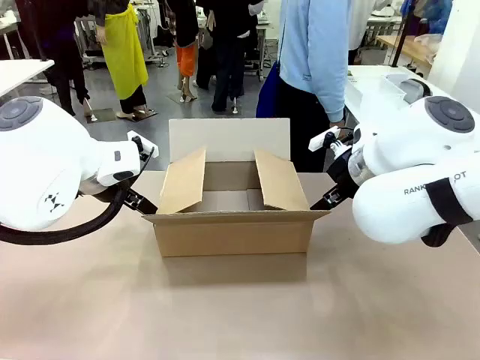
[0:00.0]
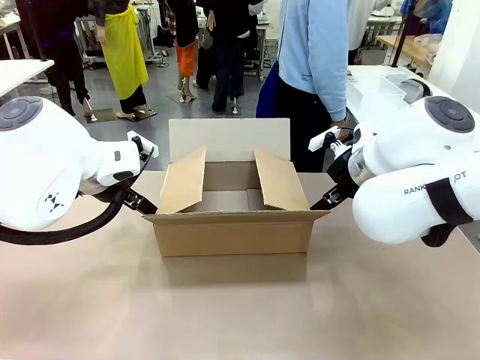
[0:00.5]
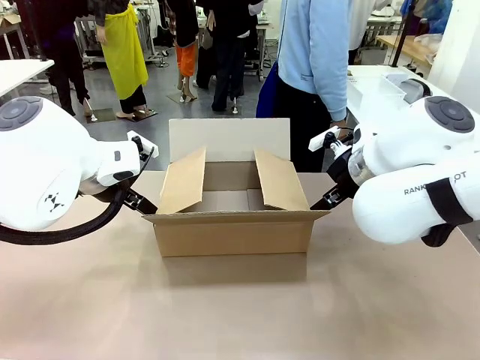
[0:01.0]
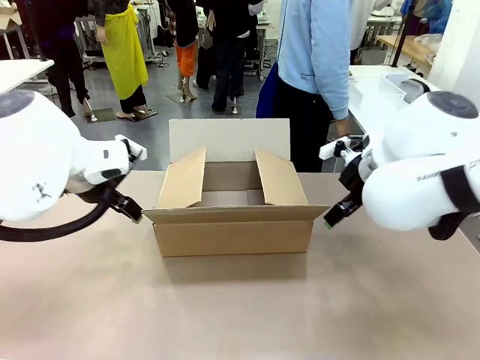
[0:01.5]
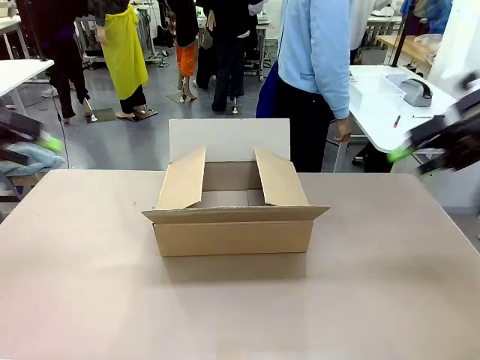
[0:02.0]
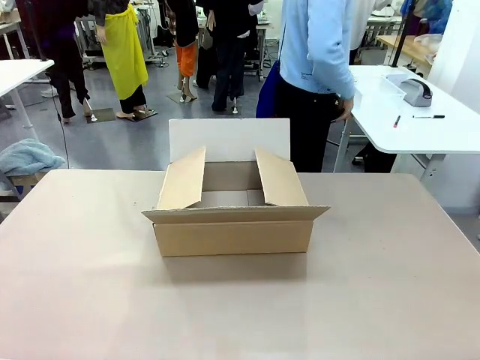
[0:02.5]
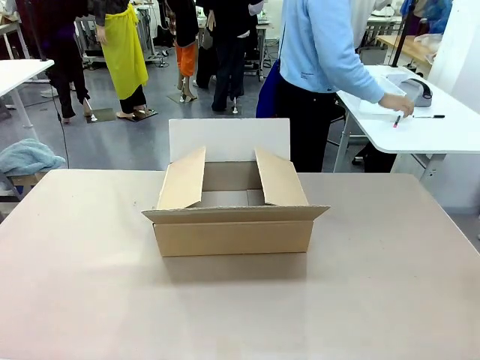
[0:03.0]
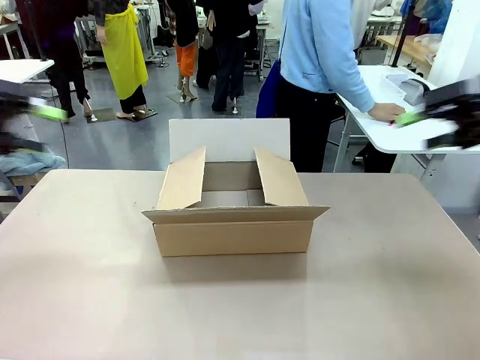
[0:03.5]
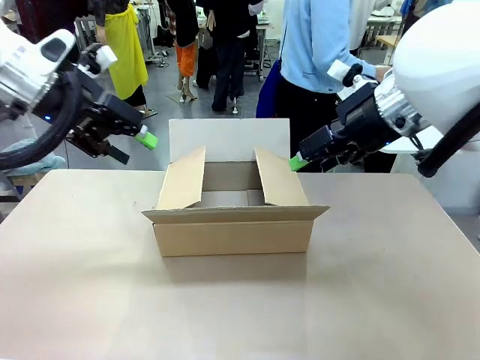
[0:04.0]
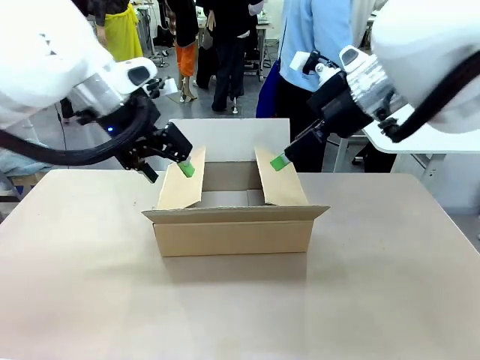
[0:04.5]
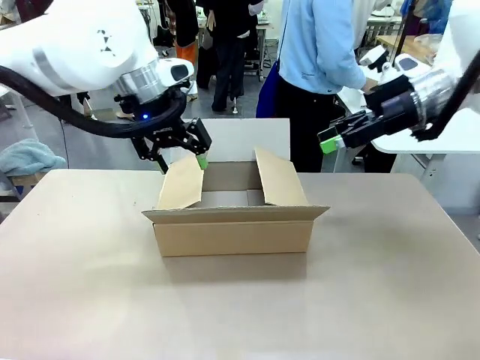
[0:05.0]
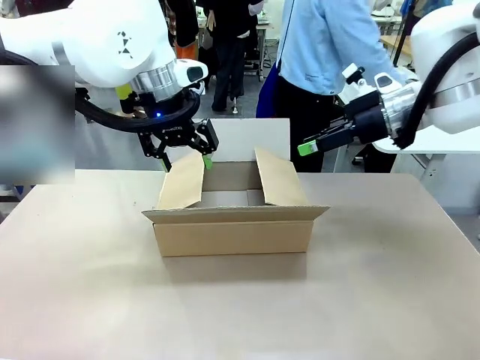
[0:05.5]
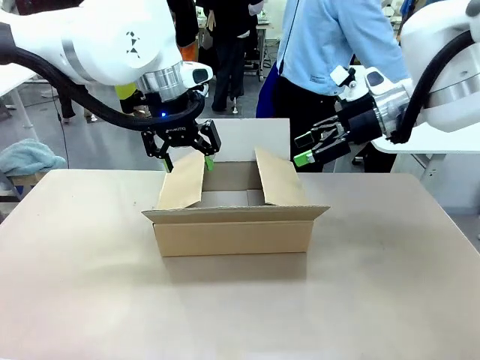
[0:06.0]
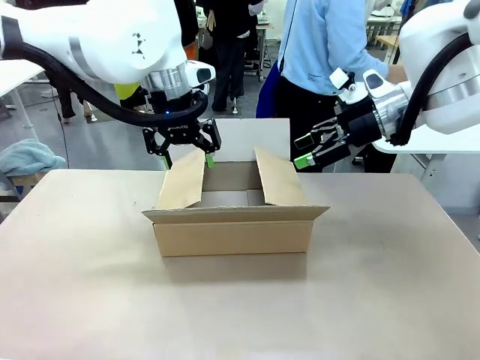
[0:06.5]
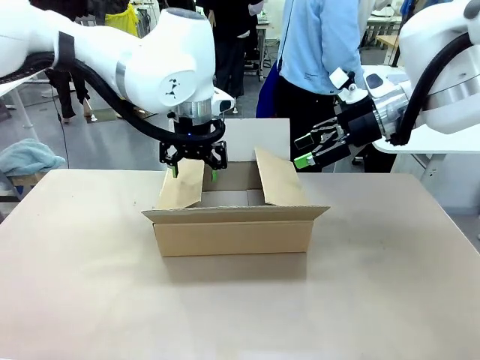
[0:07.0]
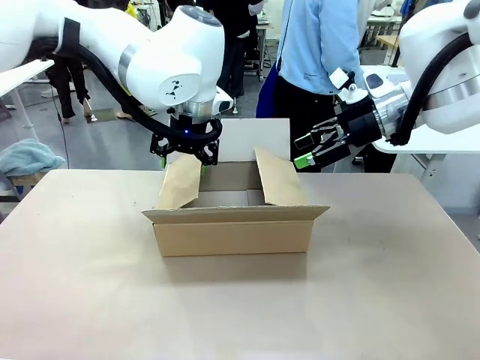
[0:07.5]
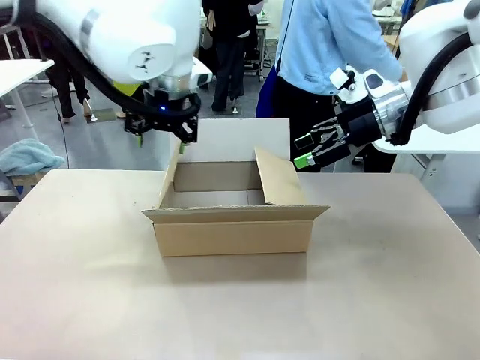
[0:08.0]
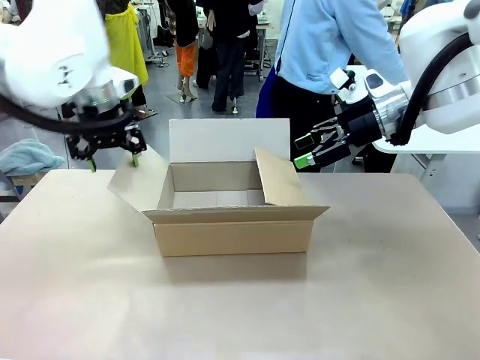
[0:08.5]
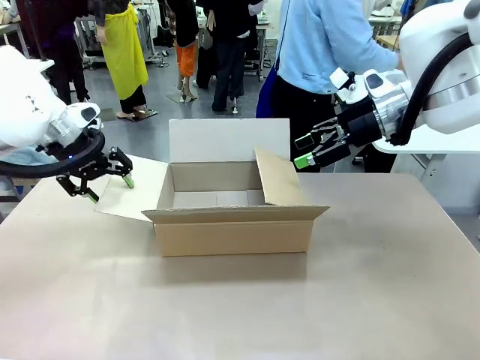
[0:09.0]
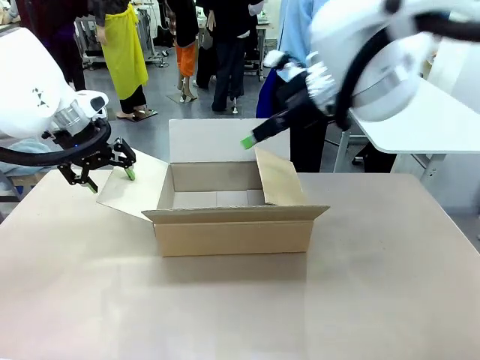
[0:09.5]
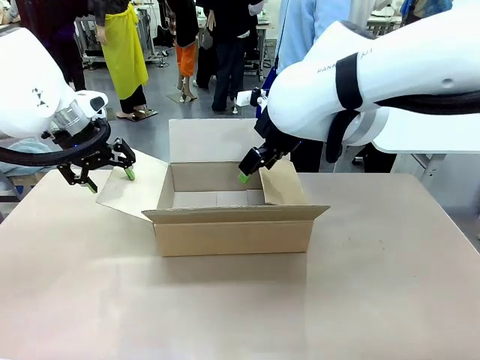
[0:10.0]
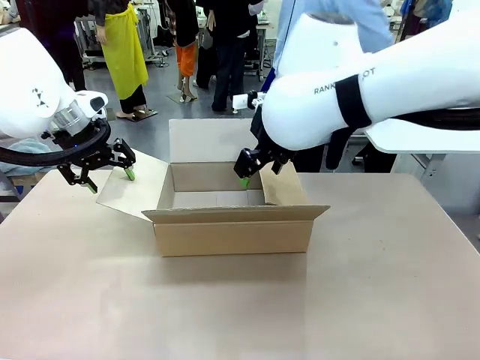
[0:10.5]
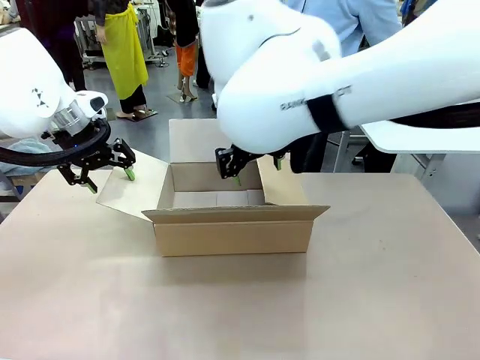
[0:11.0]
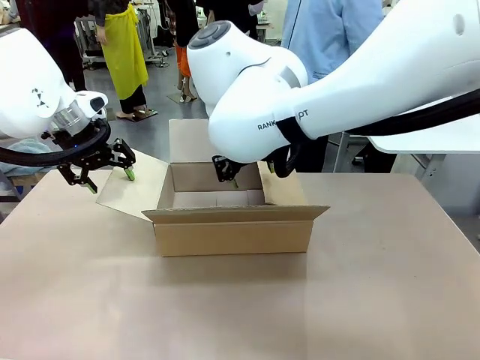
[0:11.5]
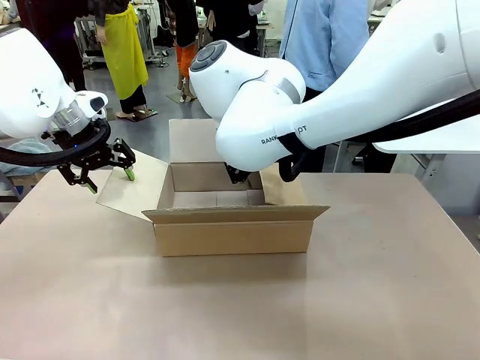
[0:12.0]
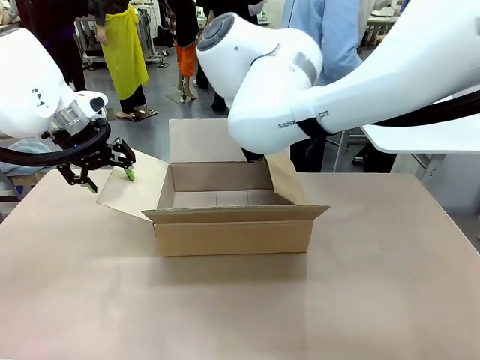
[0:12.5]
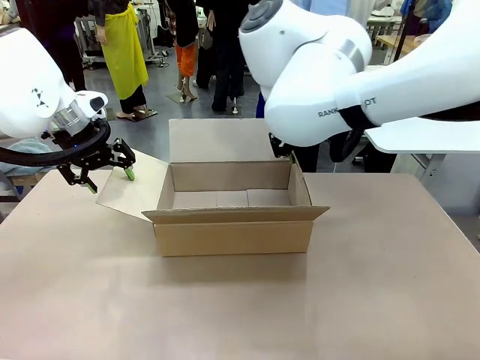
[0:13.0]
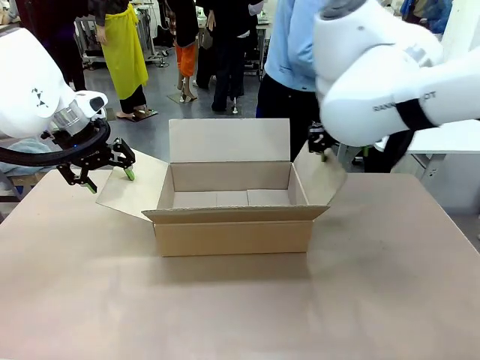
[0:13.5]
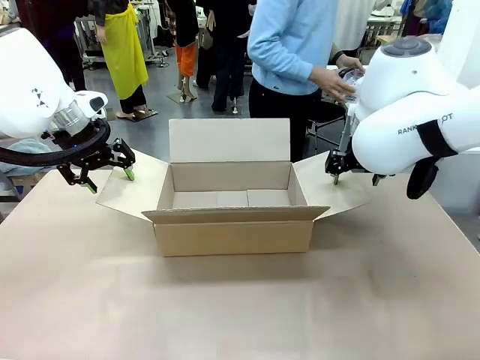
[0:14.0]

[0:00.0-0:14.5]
Task: Pack the gift set into the box.
Robot: Place both hands on the side flaps of the Package Box and spread them outward.
Person: The human places all items except the paper tape into the organizing basket.

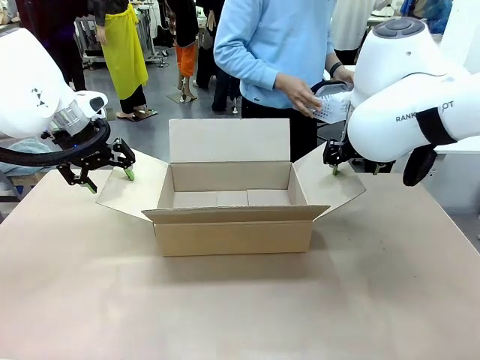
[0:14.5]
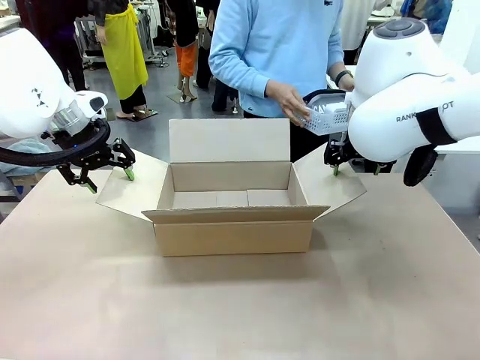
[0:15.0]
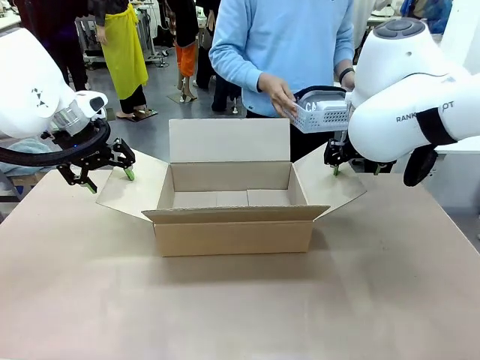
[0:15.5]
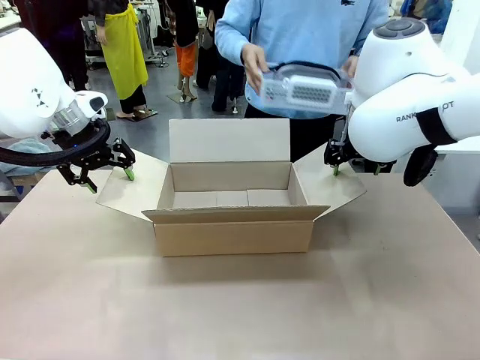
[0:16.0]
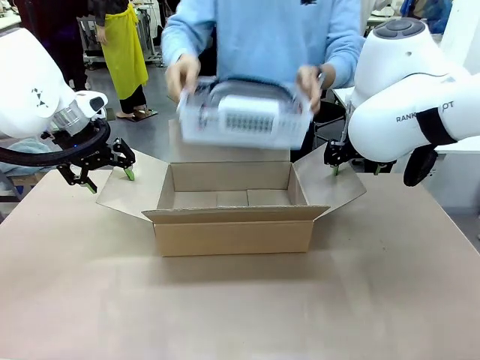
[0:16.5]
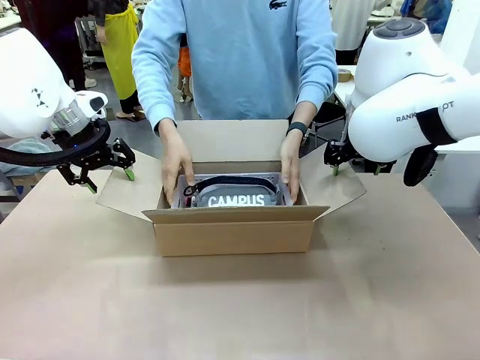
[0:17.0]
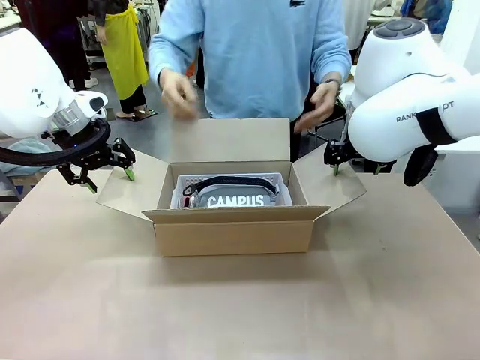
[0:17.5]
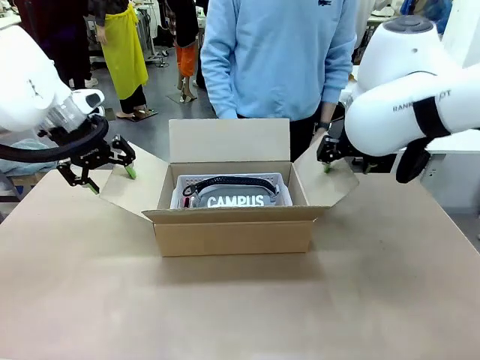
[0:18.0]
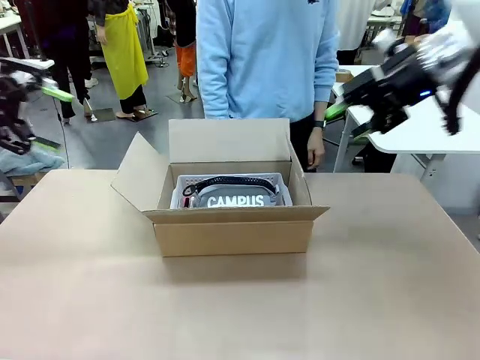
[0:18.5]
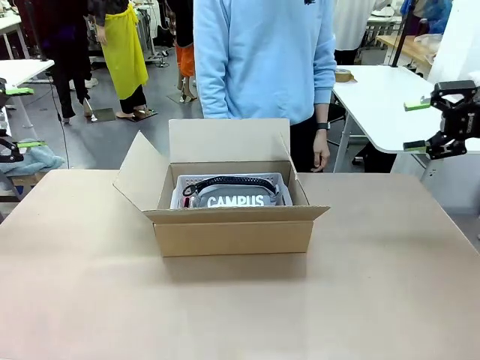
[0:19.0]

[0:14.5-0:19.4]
Robot: Lift both hands away from the flaps of the Package Box.
Person: The human picks up the organizing basket and places the organizing basket into the package box on the robot table.

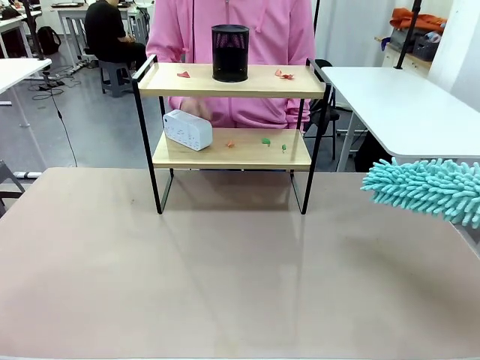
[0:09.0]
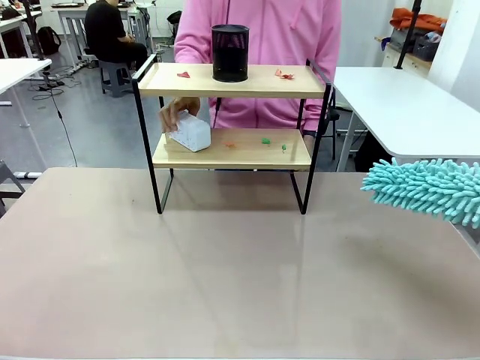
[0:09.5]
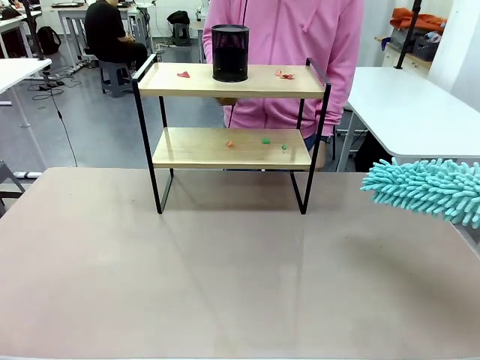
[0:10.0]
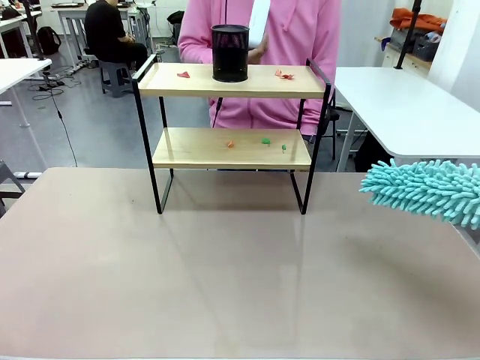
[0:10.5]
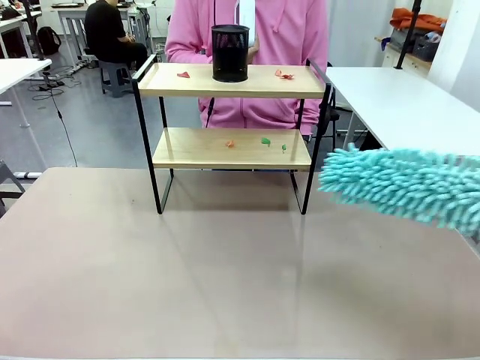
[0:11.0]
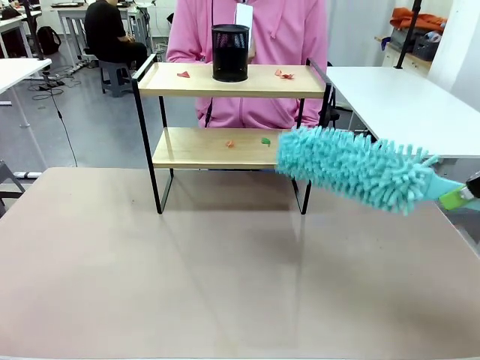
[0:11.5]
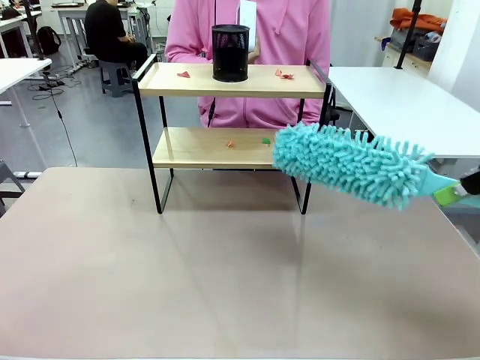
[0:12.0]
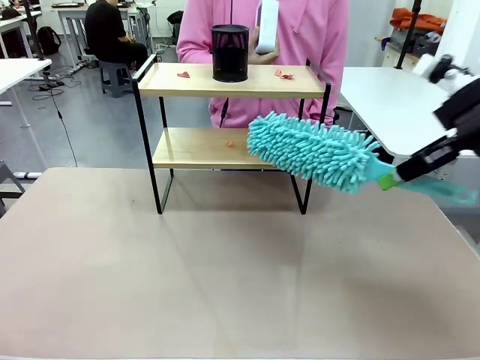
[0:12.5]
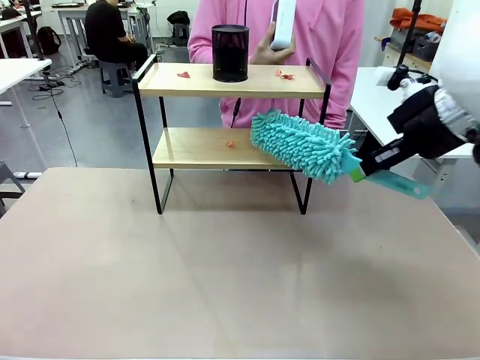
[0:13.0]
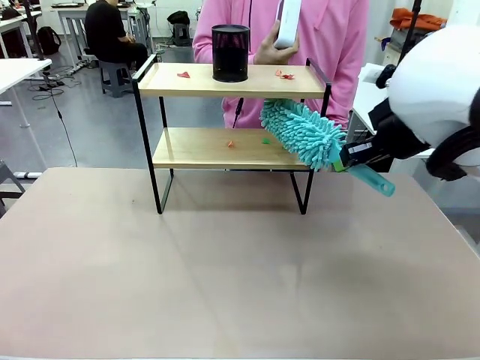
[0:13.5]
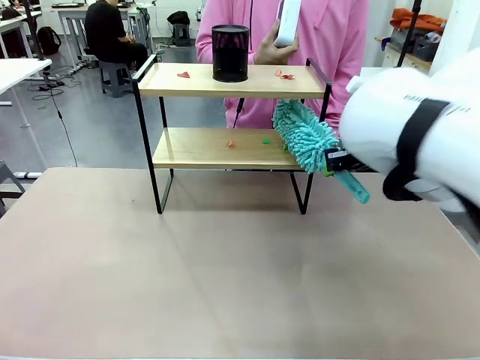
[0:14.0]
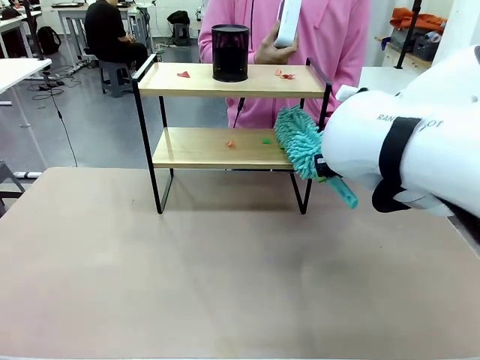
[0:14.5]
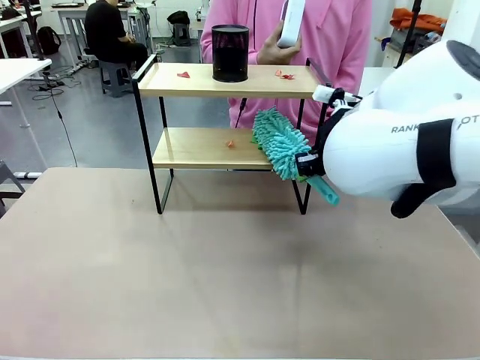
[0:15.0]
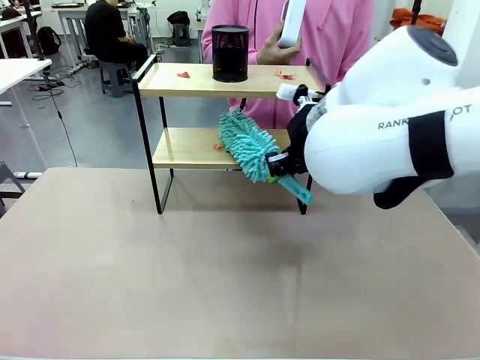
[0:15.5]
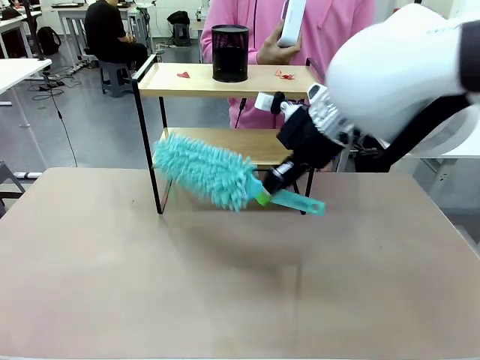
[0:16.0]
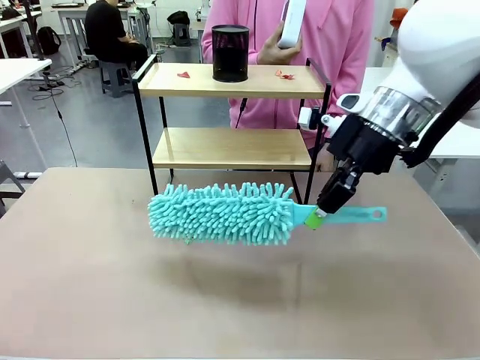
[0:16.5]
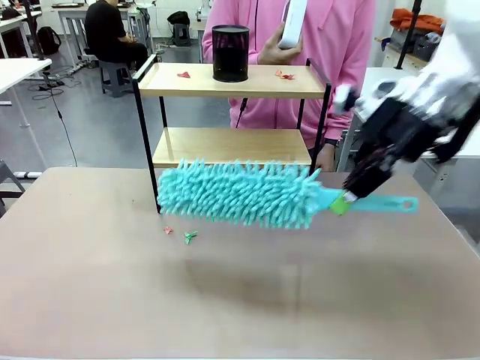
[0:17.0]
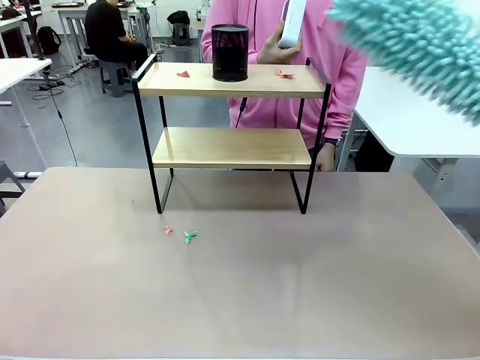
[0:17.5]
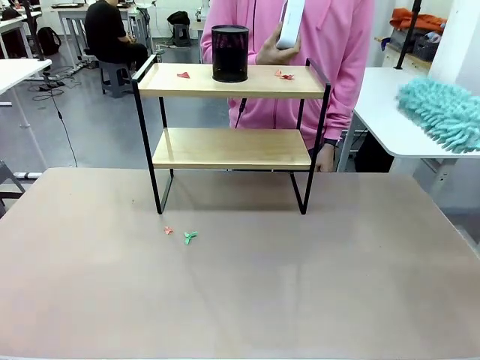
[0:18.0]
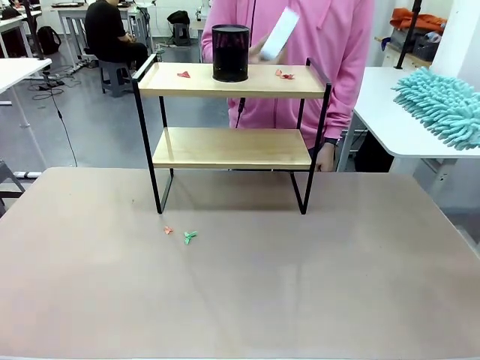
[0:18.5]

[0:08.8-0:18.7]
Task: Clean the shelf.
Robot: Clean the specific tier of the Shelf with the Duster once objects are removed.
Person: Lift the objects on a randomly selected tier of the Shelf. Once the robot finishes cleaning, lift the objects on the remaining tiers of the Shelf.
